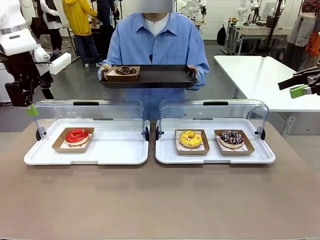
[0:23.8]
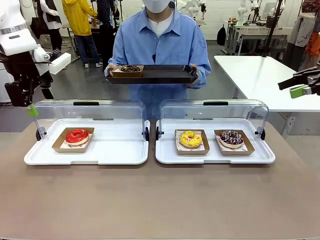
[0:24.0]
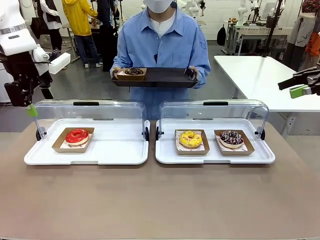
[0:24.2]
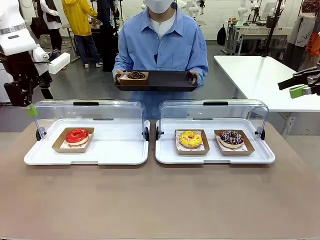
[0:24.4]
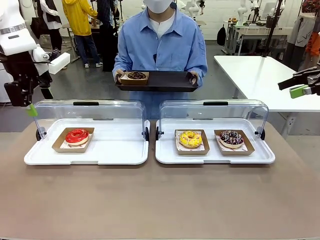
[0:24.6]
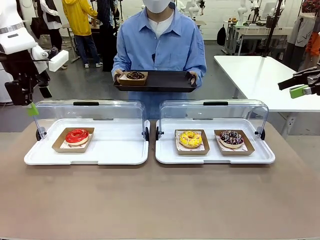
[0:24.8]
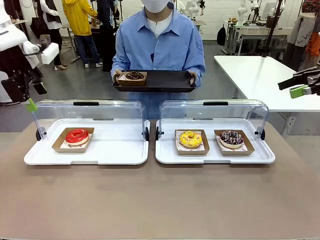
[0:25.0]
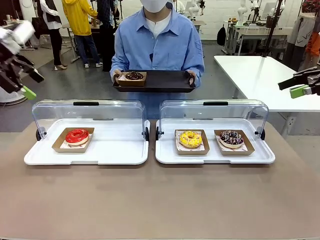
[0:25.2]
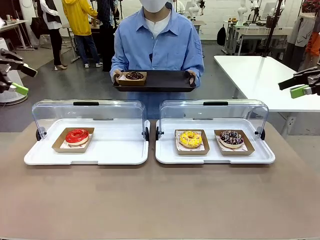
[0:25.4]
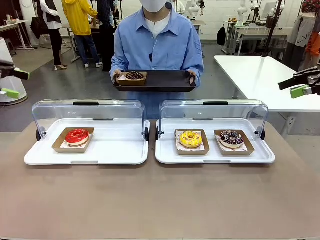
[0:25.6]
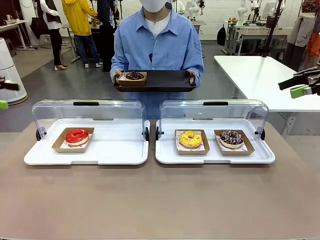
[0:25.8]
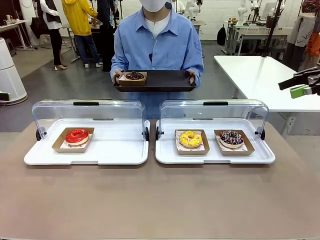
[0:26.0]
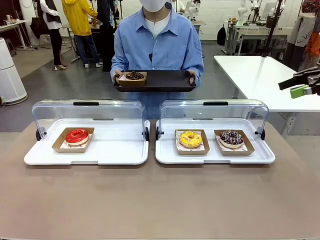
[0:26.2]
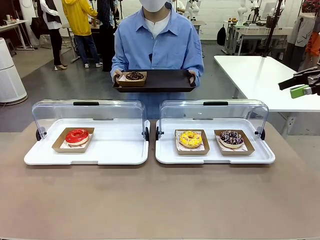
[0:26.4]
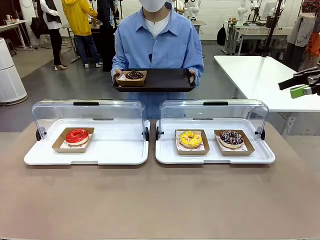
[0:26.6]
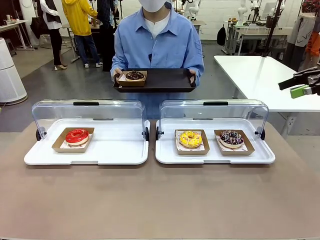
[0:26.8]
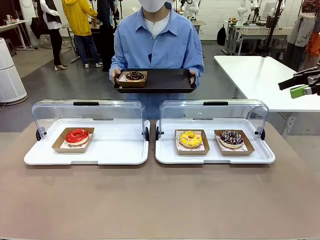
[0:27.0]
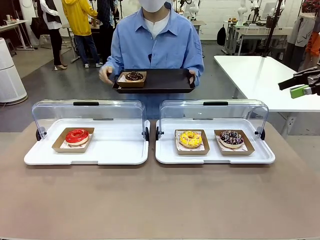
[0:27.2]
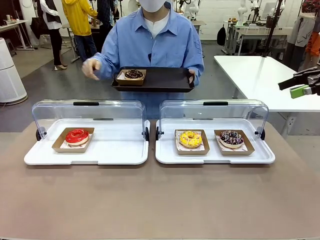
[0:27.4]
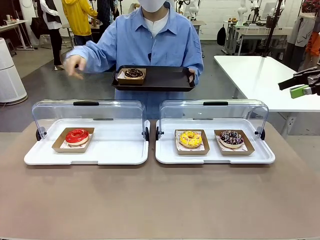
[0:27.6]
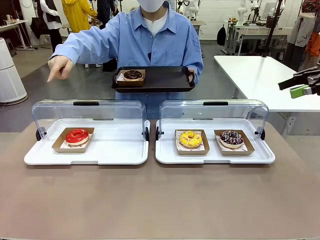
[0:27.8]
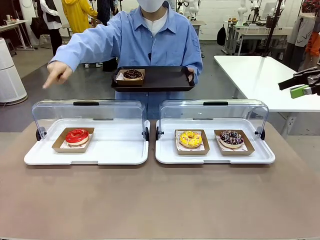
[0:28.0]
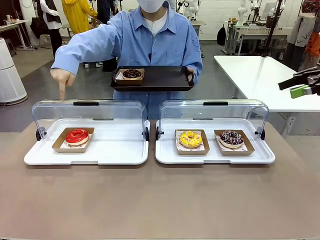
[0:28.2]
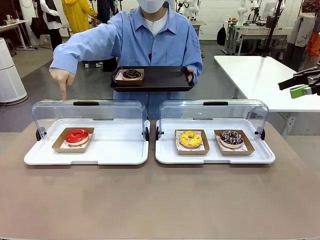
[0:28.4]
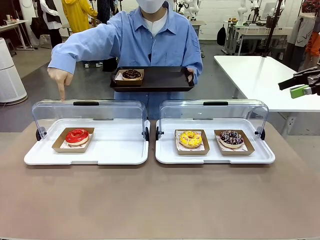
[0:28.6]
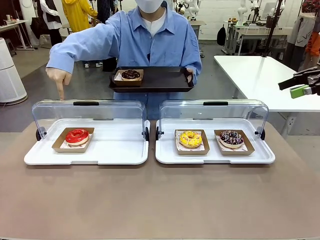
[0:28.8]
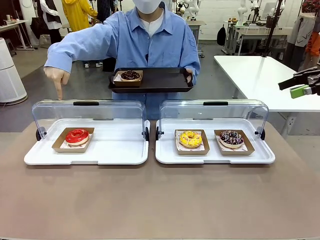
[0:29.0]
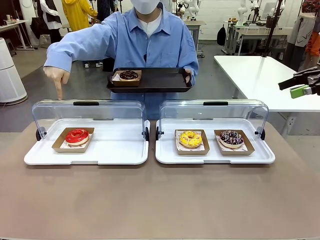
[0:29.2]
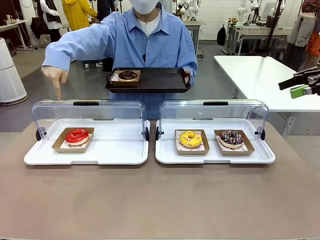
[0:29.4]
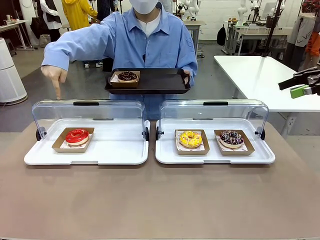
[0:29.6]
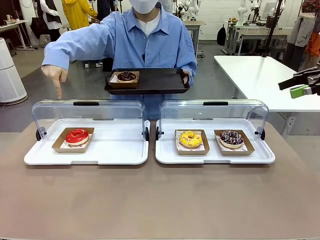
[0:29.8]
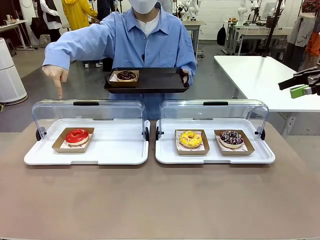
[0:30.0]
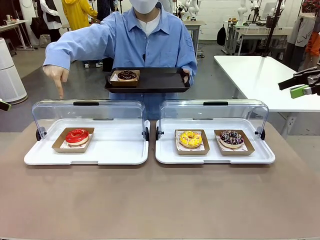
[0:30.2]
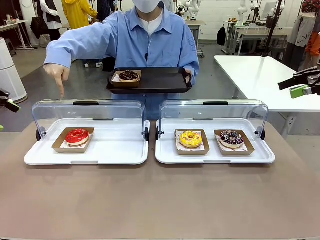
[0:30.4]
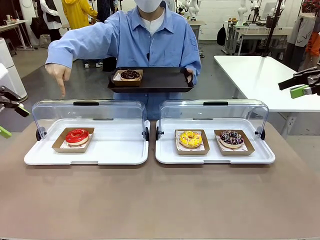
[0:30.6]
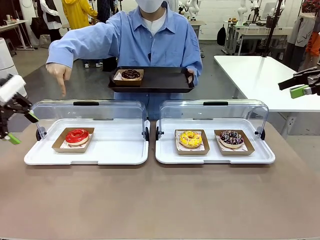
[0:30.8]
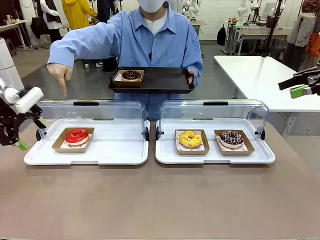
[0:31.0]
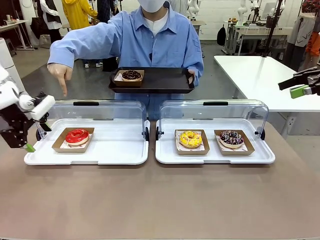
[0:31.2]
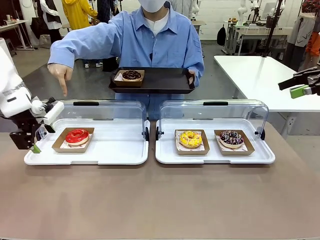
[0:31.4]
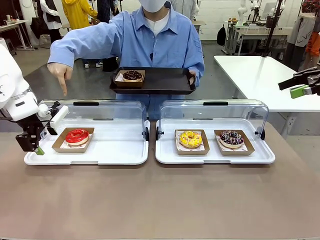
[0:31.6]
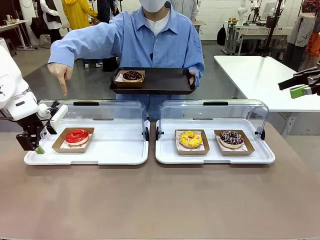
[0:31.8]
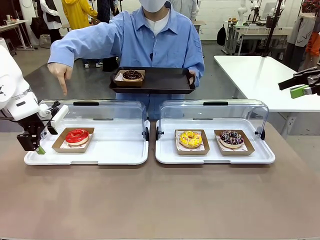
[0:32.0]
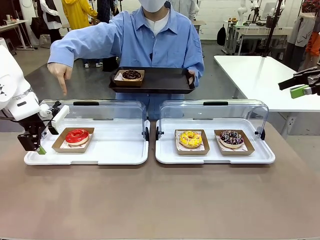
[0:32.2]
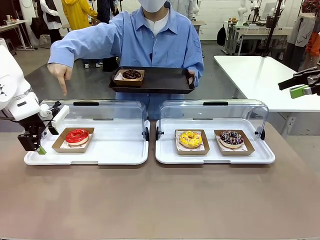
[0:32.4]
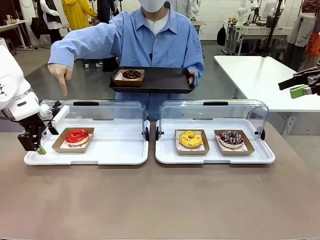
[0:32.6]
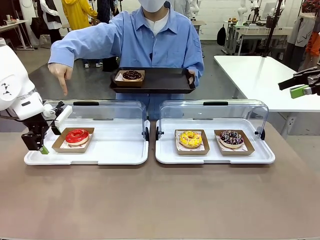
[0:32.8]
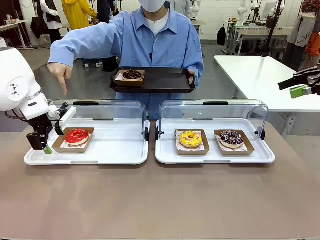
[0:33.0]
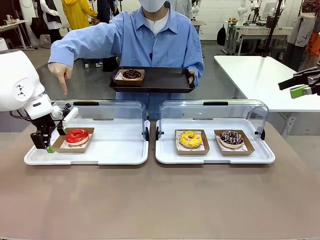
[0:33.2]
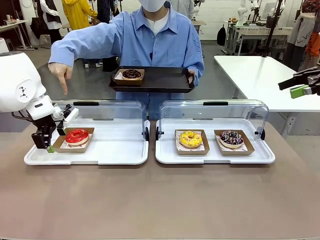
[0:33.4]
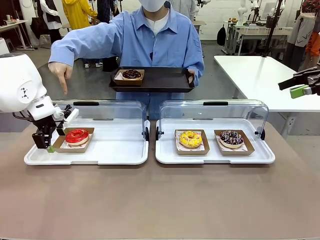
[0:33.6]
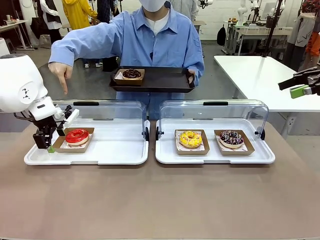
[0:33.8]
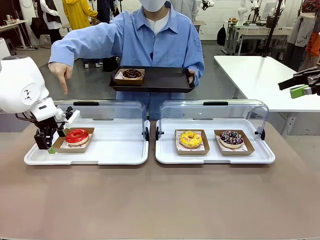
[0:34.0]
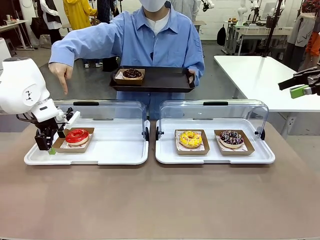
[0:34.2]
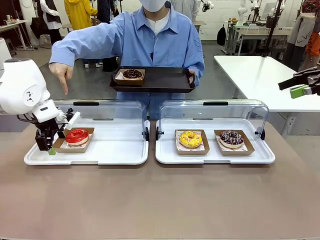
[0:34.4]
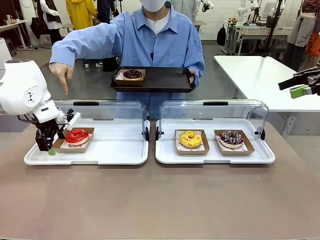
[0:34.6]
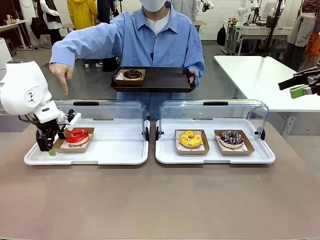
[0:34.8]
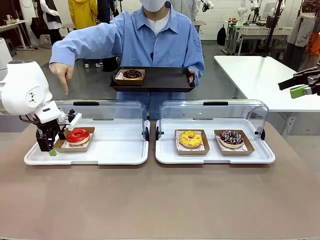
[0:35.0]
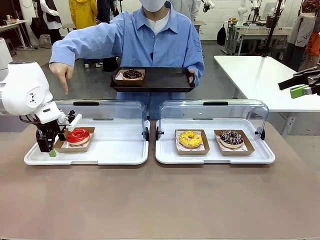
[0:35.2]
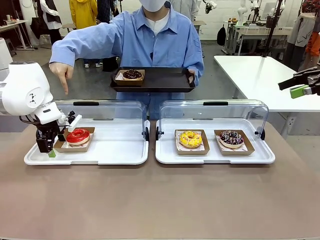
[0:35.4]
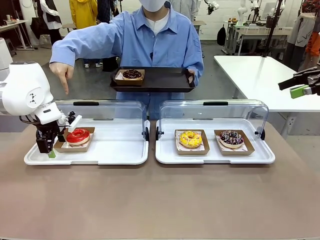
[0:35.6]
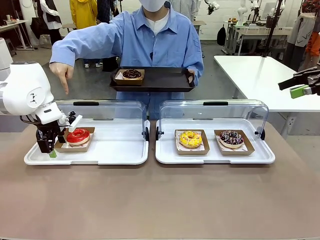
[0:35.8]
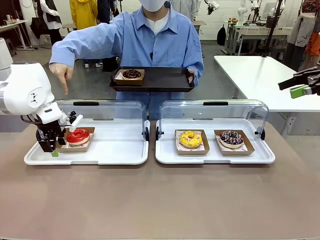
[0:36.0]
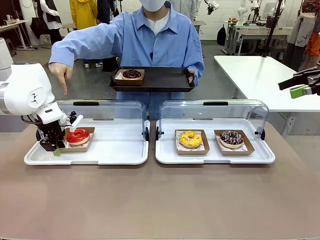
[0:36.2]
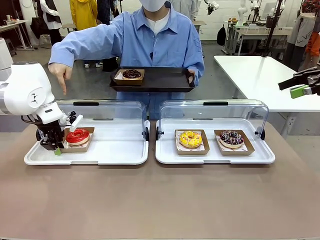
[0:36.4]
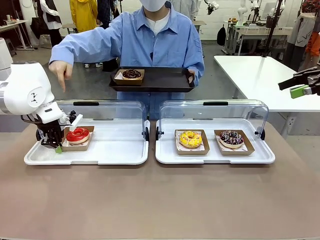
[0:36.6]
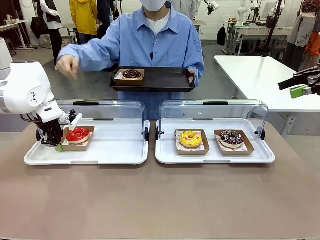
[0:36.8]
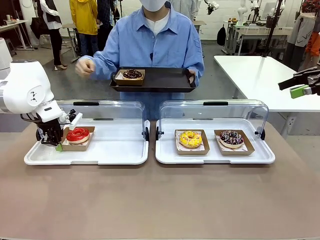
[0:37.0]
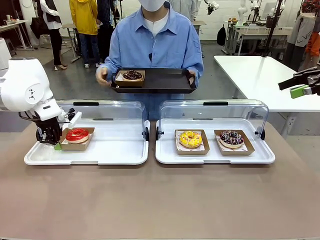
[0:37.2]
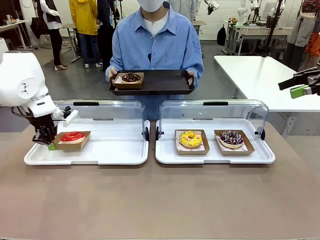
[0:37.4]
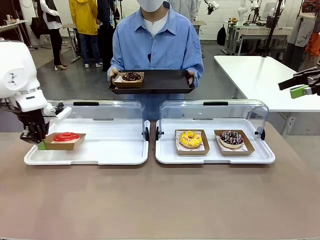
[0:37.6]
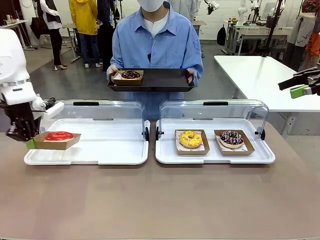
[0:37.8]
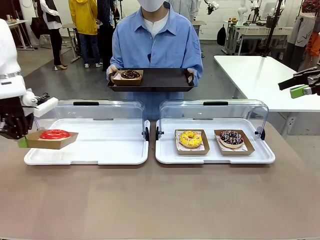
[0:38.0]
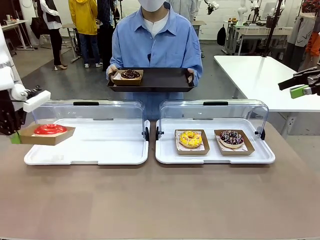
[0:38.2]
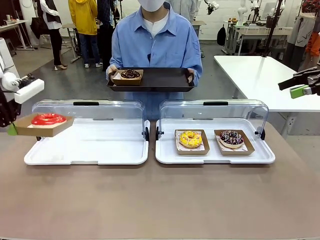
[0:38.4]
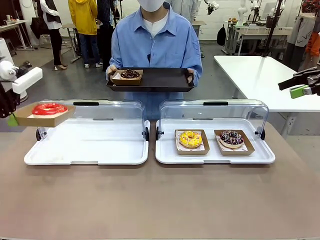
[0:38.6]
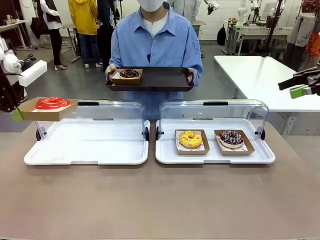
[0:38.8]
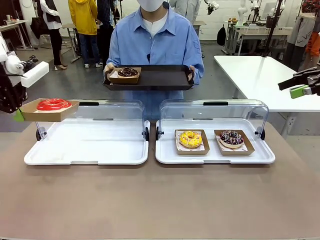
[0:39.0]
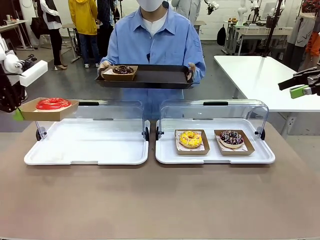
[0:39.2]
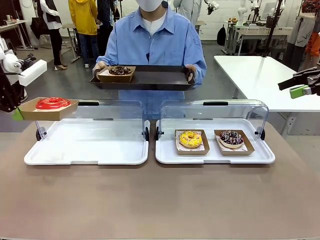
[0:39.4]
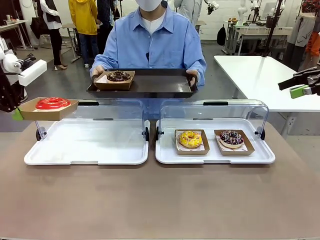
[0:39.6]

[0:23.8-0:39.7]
Task: Provide the desired donut to the person.
Robot: Pick up and lift the Paper togo box containing the Donut pointed at by the person.
Person: Point to one donut. Lift the tray onto the Roll-Top Bakery Case.
